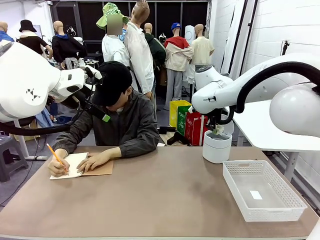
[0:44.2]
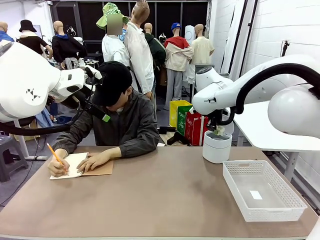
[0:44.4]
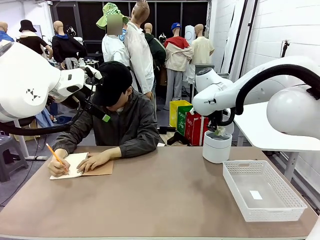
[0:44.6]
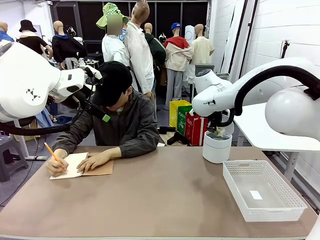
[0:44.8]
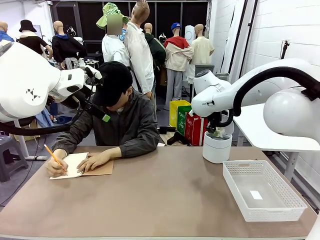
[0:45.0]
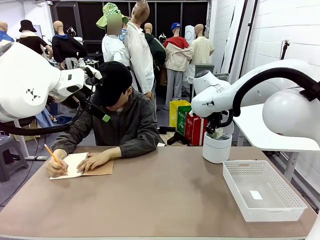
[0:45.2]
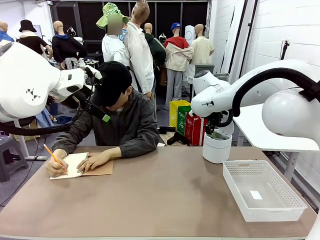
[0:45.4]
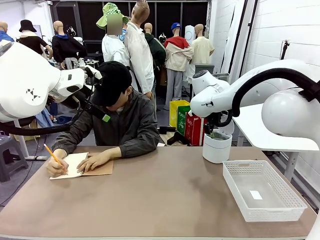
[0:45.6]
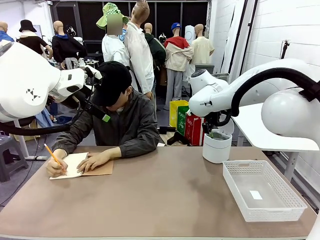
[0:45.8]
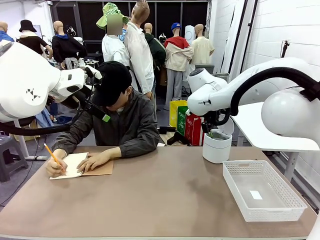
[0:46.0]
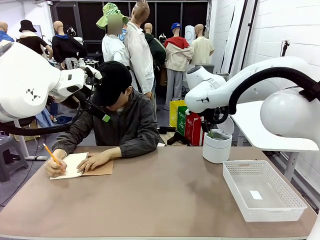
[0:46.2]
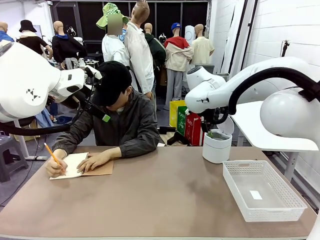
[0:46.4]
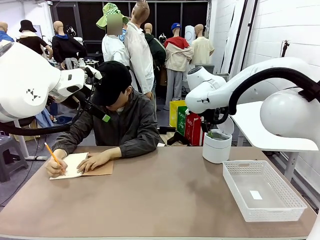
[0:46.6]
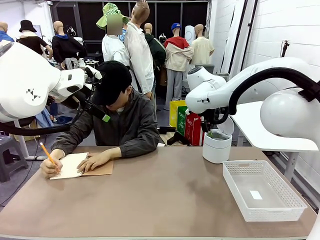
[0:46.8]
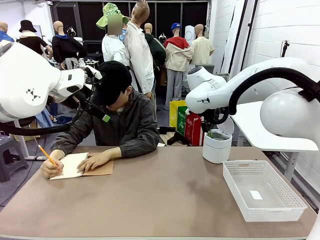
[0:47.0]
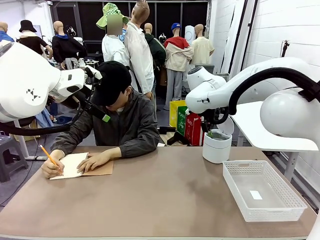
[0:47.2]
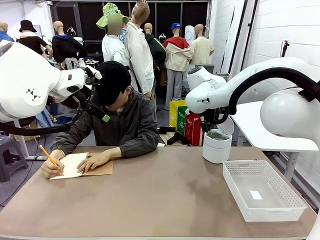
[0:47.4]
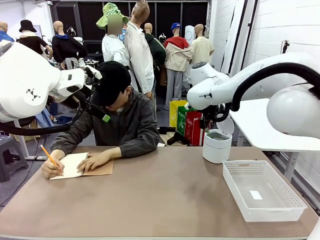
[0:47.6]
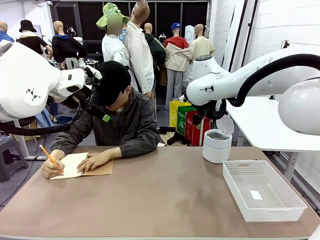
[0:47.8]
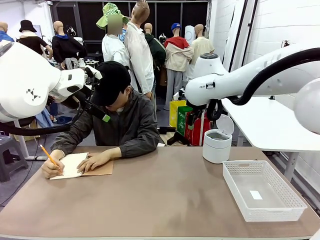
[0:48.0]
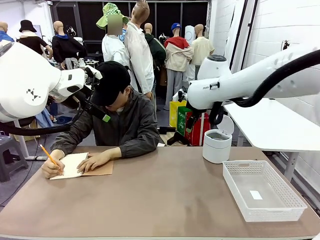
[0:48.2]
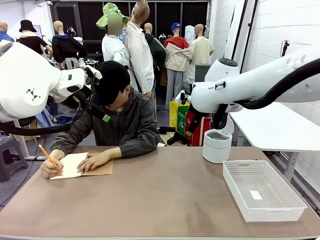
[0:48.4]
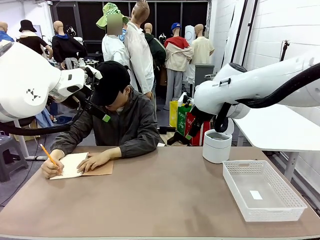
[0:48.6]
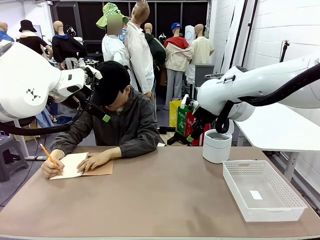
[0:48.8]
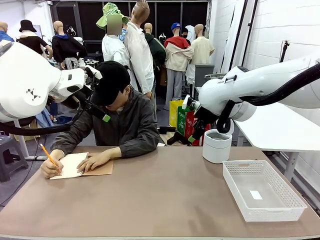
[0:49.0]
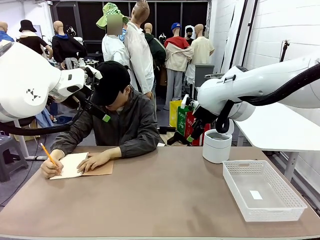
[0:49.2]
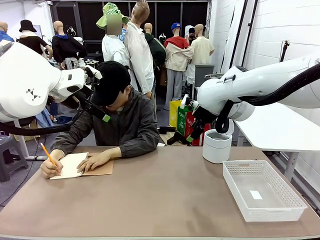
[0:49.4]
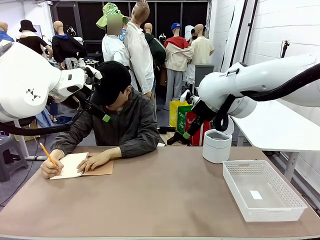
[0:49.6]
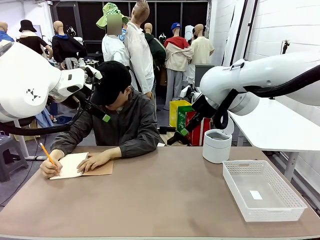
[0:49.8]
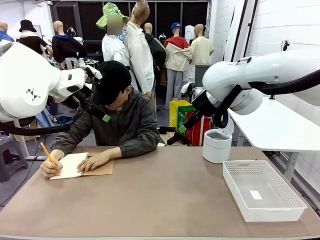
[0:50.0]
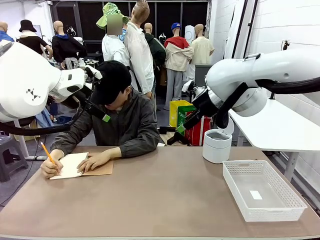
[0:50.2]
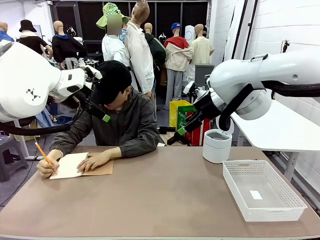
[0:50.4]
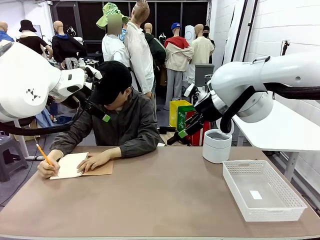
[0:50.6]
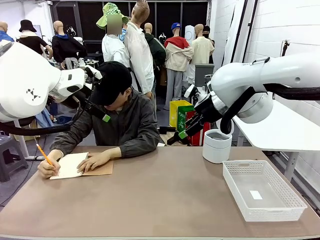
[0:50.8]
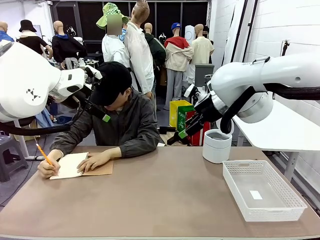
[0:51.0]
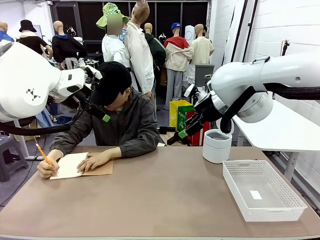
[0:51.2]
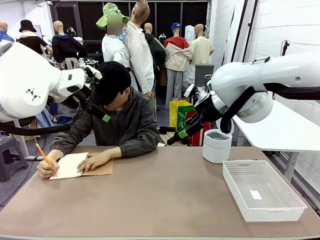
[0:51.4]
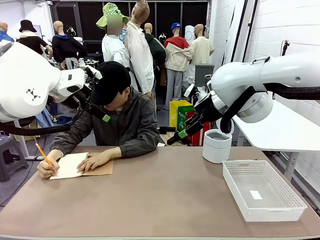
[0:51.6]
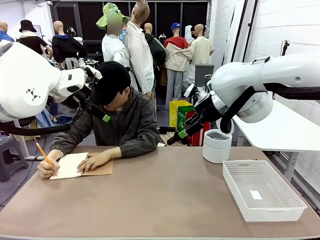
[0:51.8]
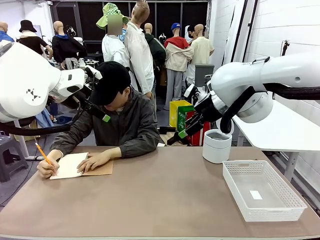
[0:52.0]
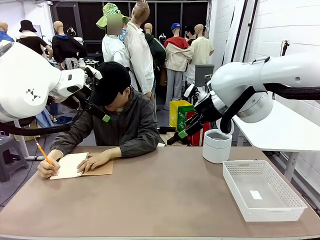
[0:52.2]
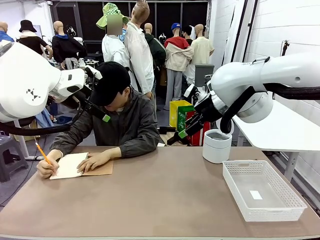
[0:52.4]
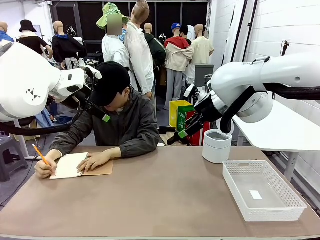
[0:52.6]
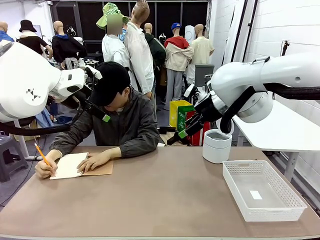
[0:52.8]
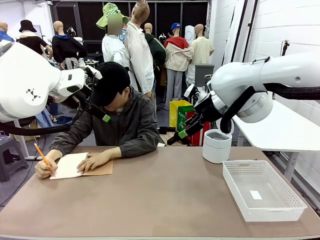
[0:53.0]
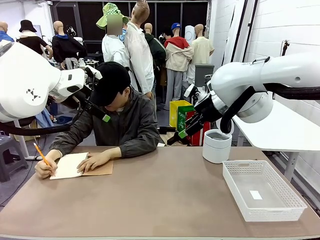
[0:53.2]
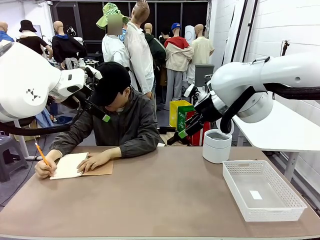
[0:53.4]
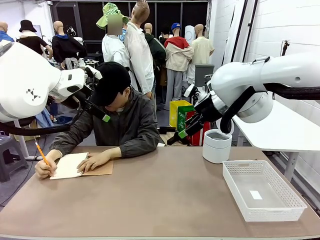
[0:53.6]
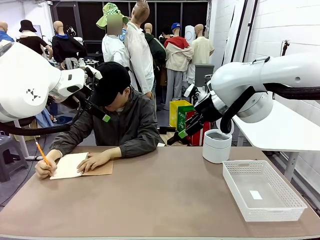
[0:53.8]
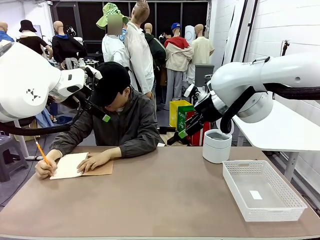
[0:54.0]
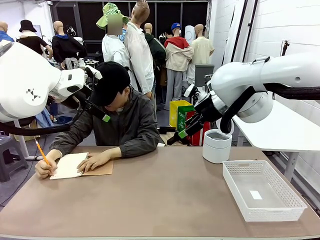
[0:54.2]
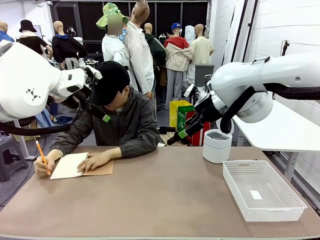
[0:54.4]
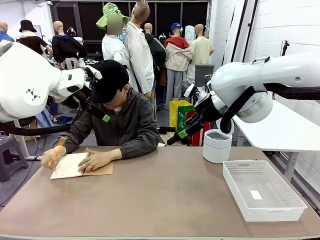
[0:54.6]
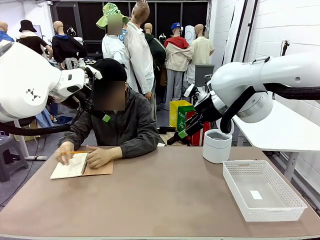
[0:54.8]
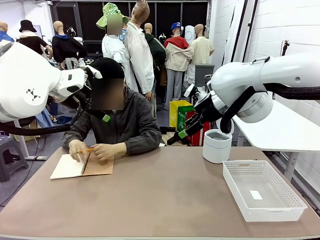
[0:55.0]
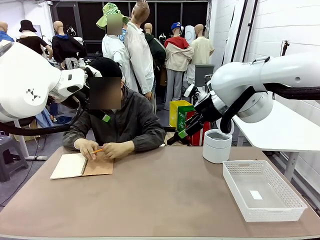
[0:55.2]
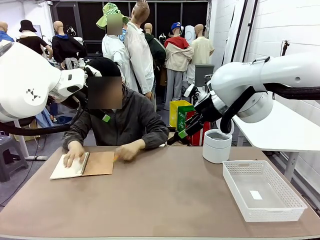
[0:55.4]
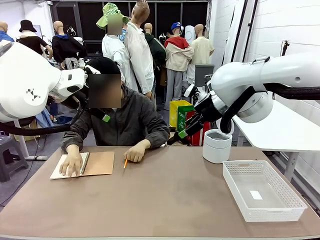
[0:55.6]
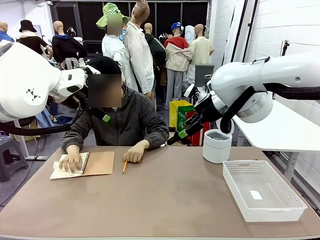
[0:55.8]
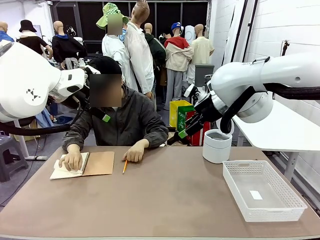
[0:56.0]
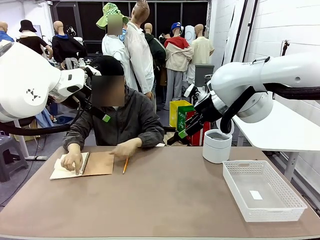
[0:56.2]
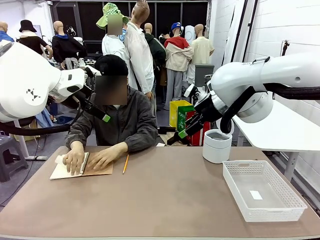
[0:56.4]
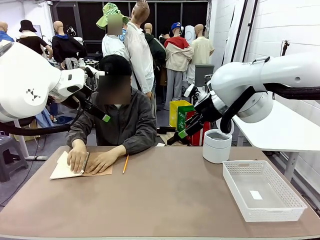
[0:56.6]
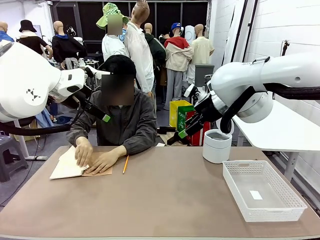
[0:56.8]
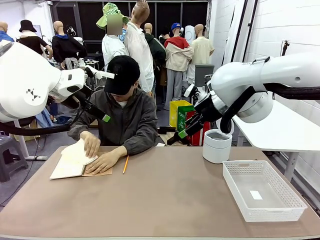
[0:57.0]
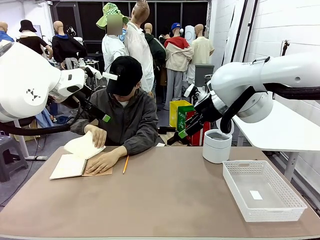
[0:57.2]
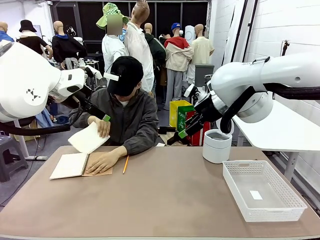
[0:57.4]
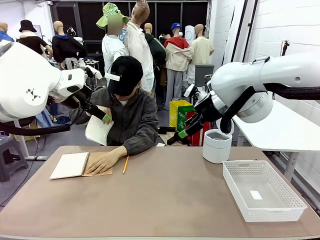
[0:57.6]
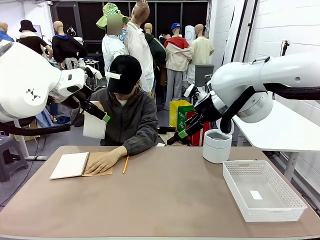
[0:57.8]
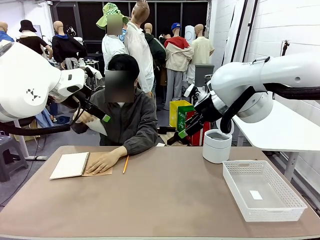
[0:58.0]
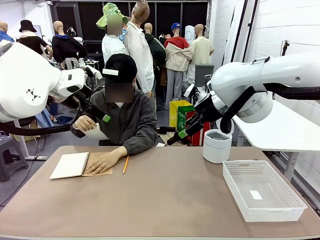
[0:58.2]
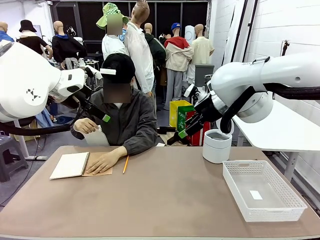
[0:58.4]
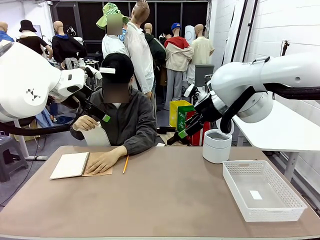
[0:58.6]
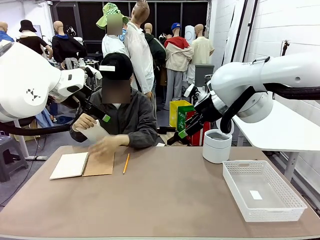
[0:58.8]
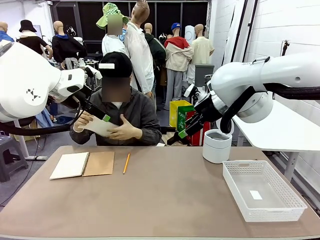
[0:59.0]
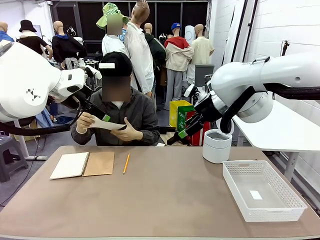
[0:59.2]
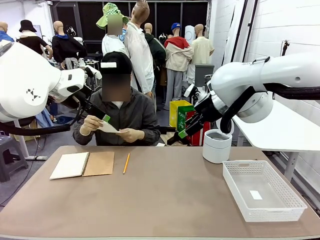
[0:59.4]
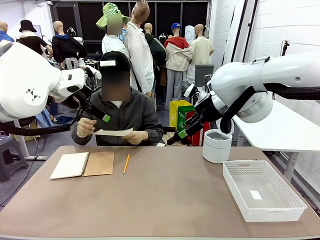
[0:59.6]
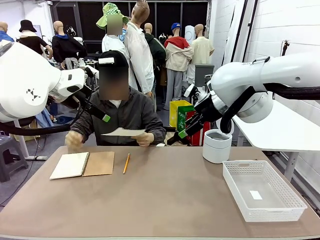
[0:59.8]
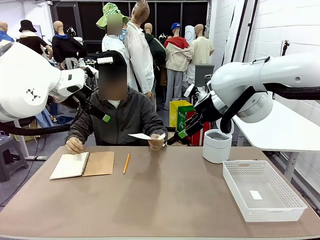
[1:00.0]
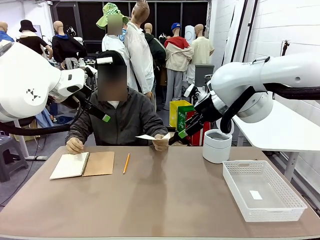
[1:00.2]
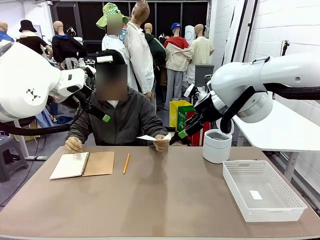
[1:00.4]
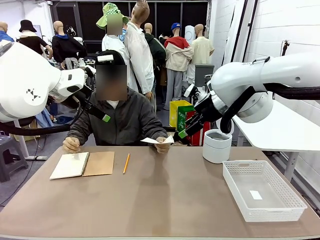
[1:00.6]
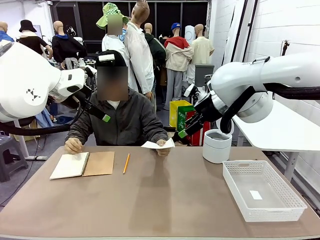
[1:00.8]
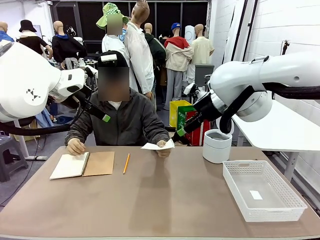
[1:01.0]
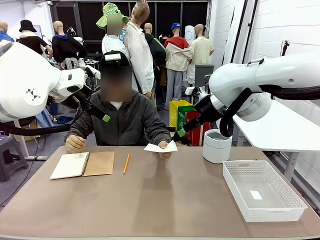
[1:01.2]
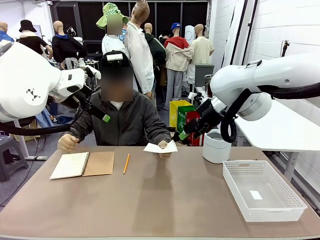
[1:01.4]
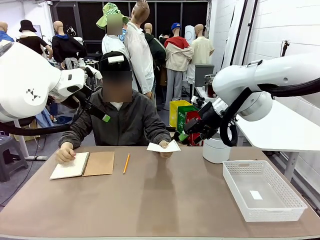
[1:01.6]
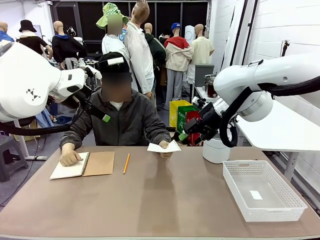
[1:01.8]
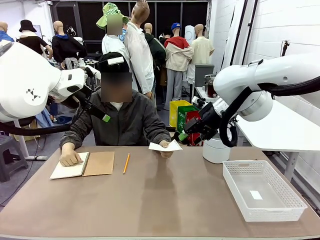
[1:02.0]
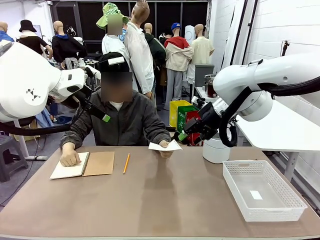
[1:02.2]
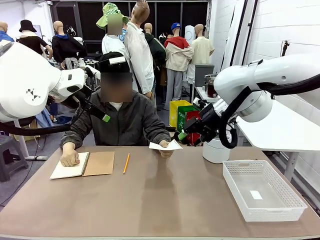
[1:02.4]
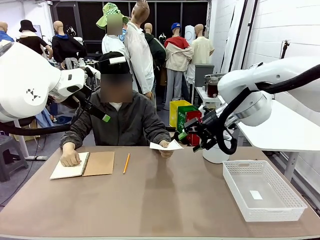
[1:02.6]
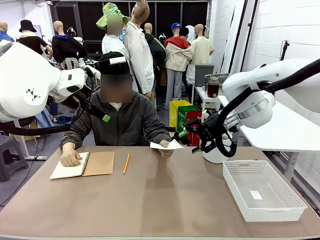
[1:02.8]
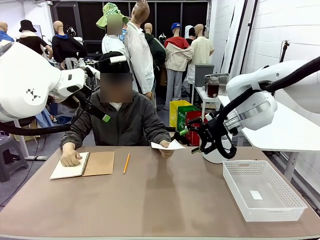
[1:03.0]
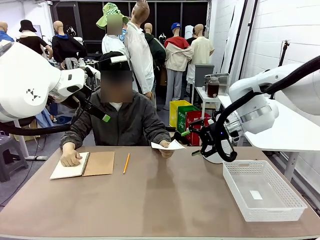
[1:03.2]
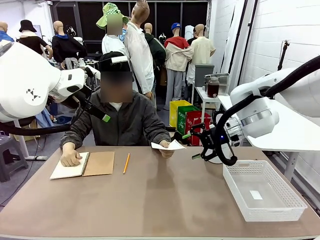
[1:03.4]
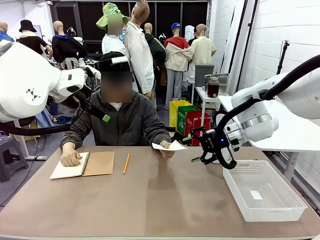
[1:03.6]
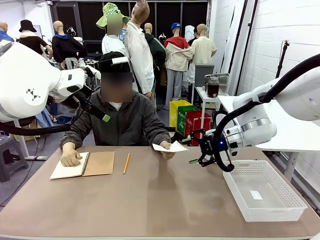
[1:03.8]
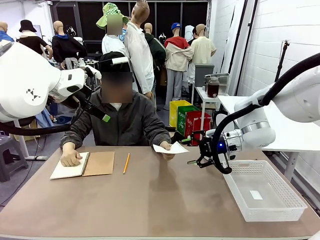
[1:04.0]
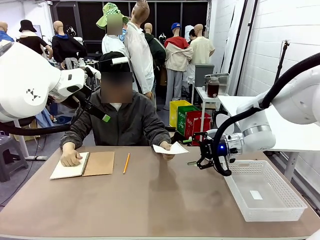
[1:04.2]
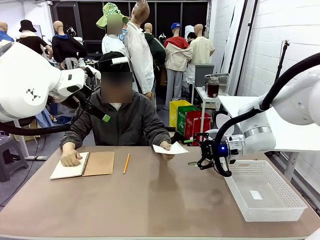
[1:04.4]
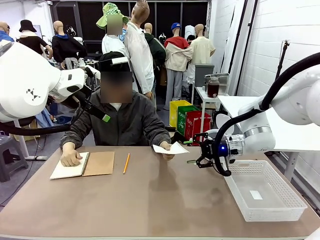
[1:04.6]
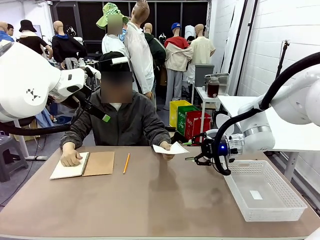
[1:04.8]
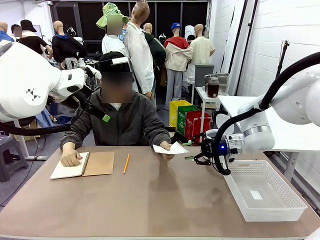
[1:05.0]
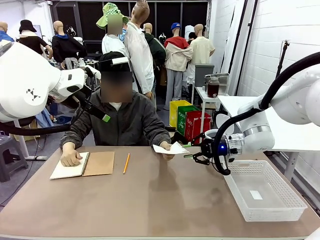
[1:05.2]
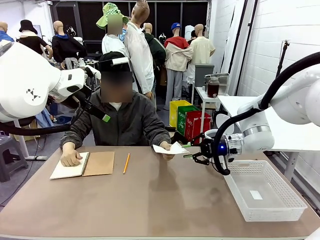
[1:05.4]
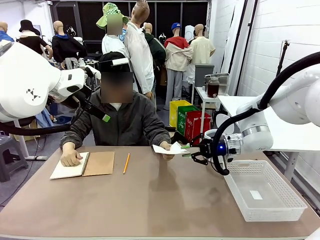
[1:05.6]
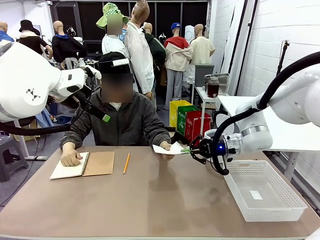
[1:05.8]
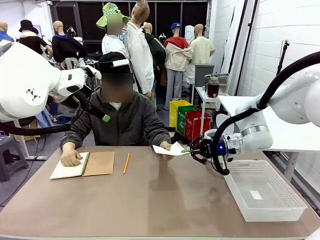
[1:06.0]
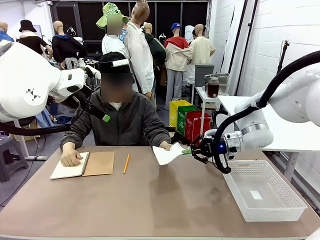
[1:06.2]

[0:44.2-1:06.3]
Task: Sort the paper based on its condition.
Robot: If a person hands you a paper, place it in the Organizing basket , and if it's crumpled, put it in the Trash can.
Person: Tear out a page from the spiral notebook. Hand the torn page to the robot or crumple it and throw it to the center of the table.
